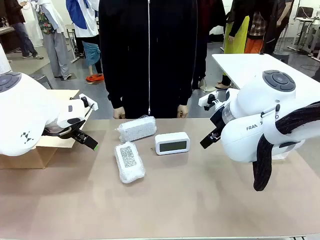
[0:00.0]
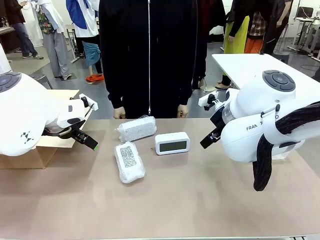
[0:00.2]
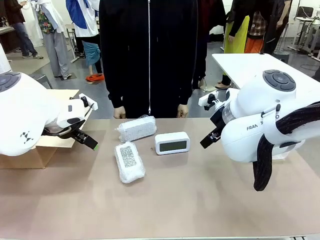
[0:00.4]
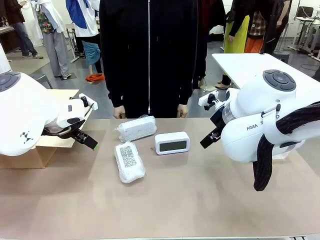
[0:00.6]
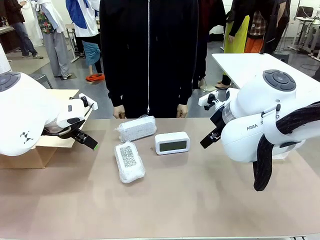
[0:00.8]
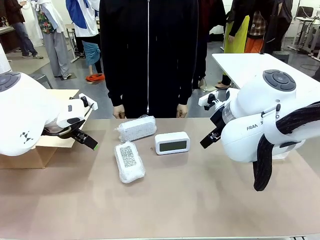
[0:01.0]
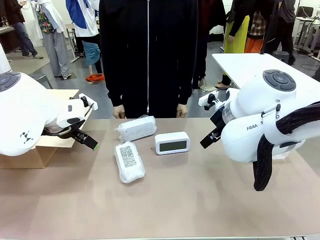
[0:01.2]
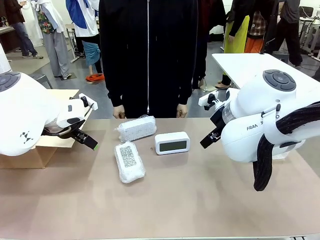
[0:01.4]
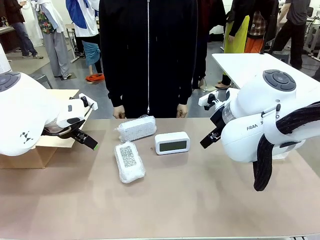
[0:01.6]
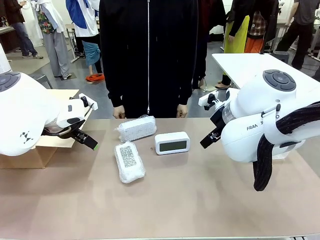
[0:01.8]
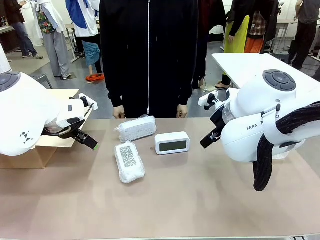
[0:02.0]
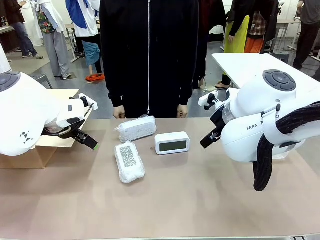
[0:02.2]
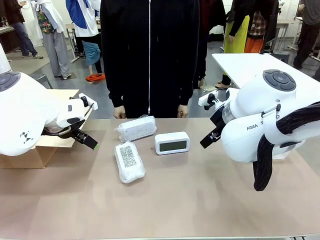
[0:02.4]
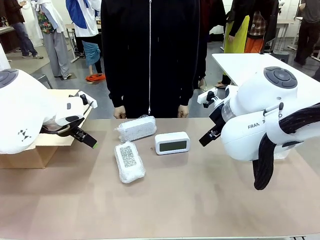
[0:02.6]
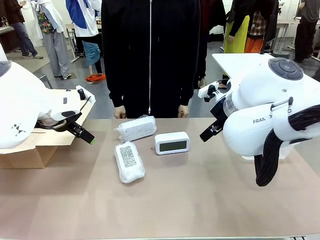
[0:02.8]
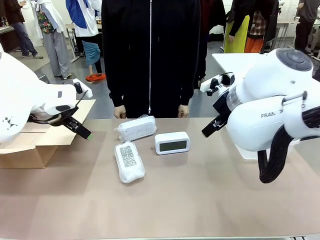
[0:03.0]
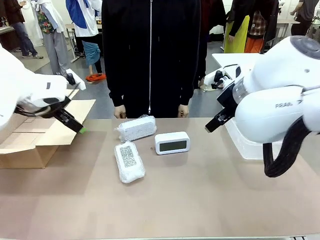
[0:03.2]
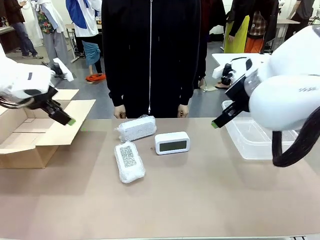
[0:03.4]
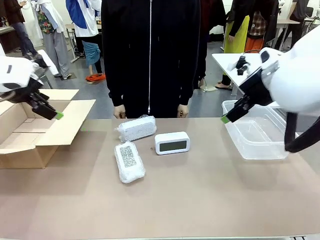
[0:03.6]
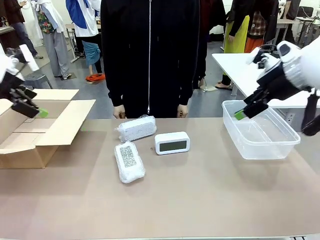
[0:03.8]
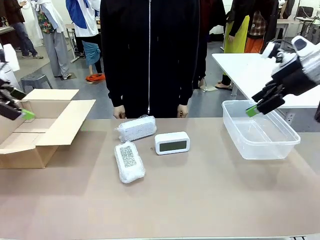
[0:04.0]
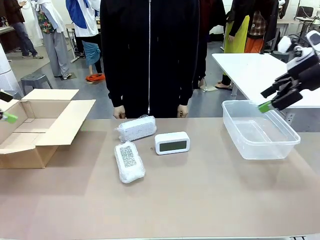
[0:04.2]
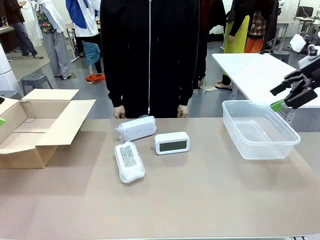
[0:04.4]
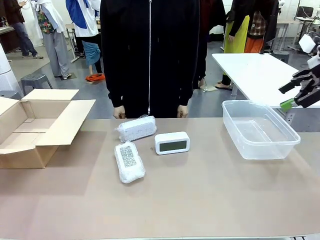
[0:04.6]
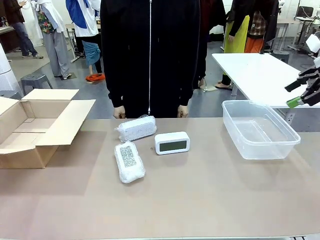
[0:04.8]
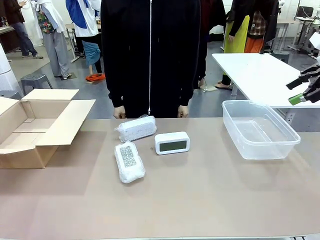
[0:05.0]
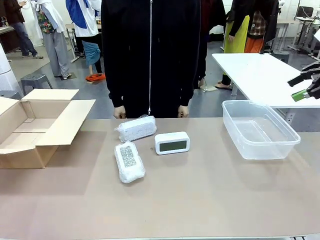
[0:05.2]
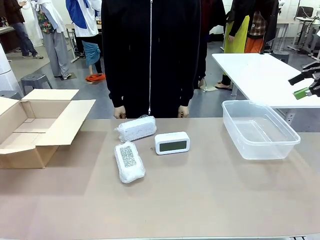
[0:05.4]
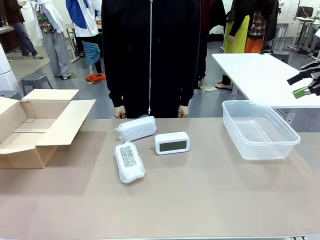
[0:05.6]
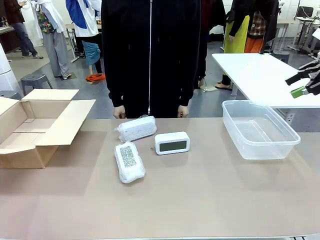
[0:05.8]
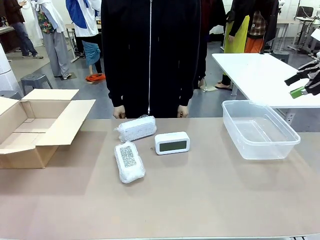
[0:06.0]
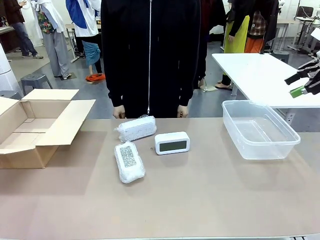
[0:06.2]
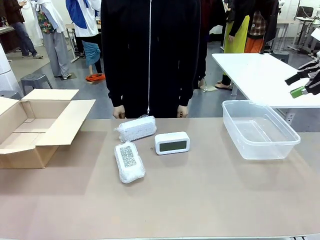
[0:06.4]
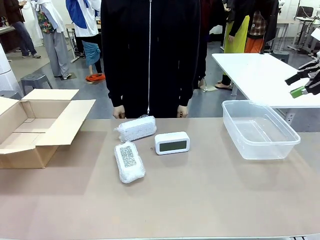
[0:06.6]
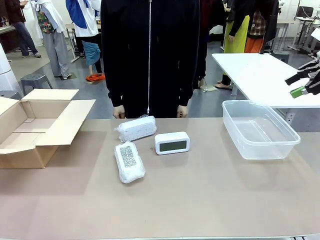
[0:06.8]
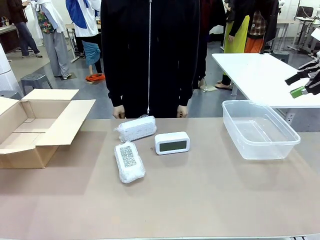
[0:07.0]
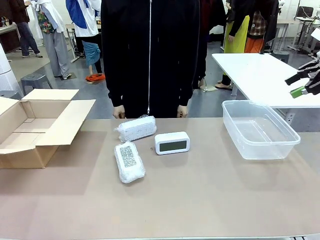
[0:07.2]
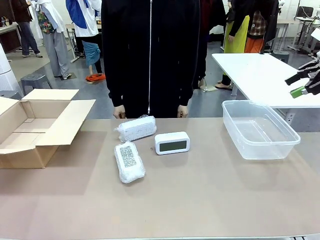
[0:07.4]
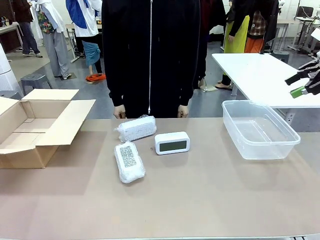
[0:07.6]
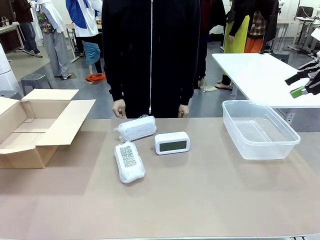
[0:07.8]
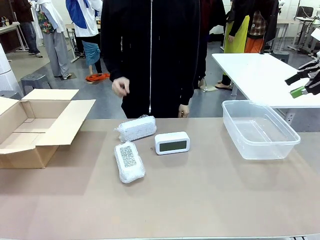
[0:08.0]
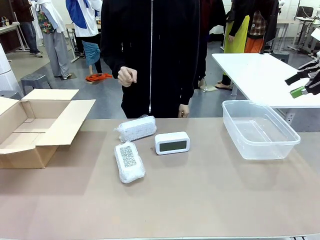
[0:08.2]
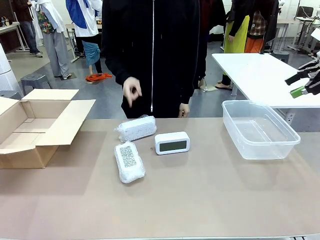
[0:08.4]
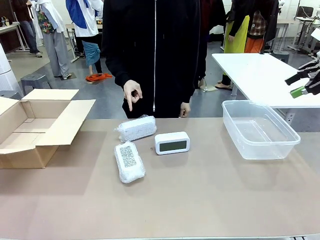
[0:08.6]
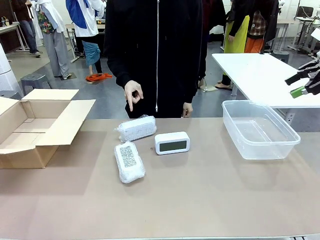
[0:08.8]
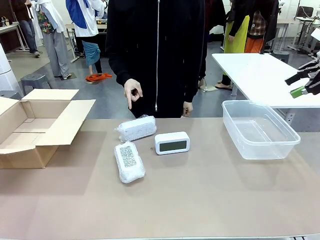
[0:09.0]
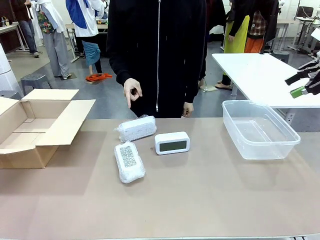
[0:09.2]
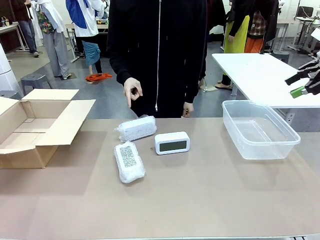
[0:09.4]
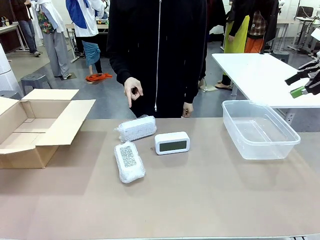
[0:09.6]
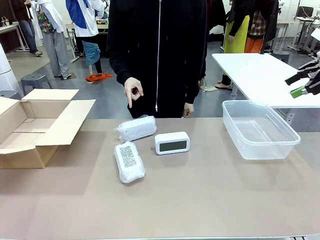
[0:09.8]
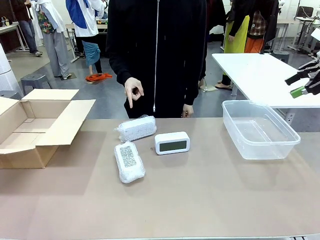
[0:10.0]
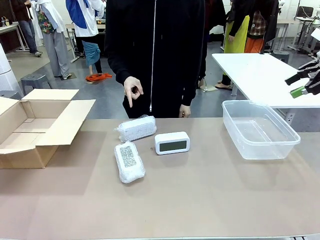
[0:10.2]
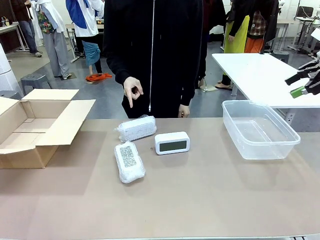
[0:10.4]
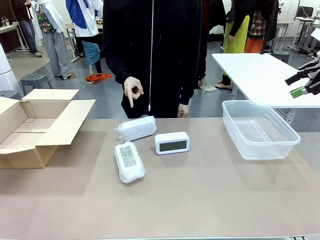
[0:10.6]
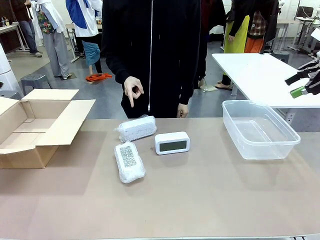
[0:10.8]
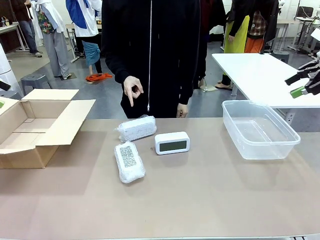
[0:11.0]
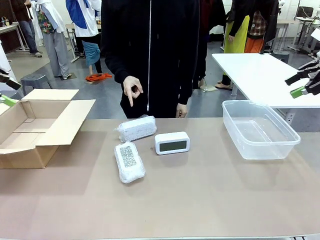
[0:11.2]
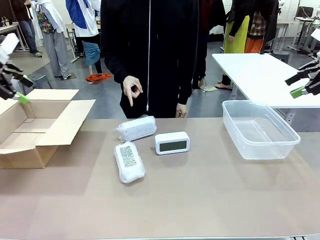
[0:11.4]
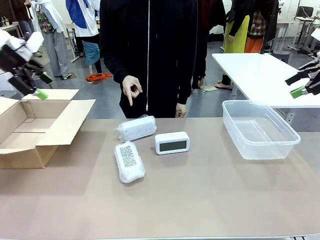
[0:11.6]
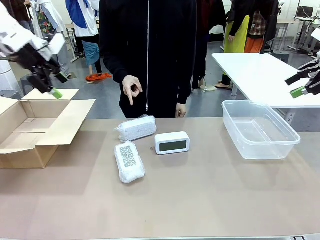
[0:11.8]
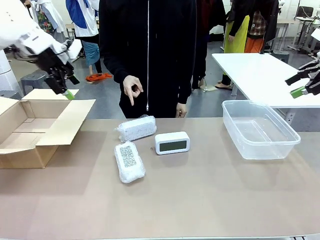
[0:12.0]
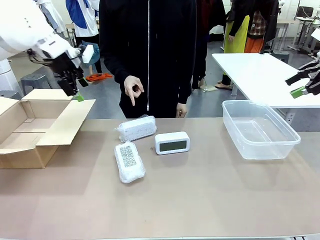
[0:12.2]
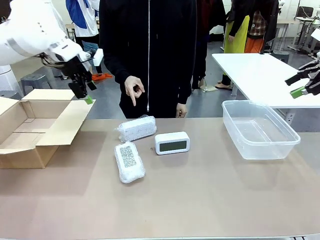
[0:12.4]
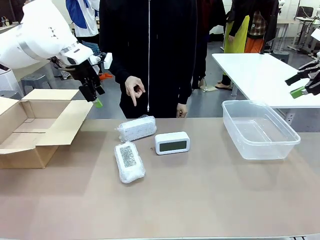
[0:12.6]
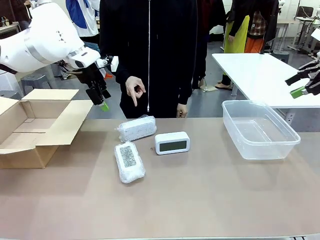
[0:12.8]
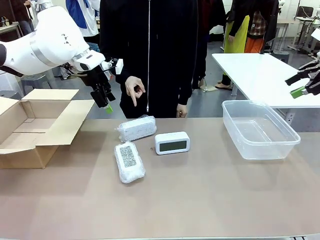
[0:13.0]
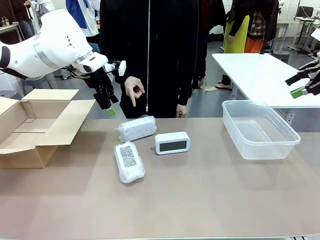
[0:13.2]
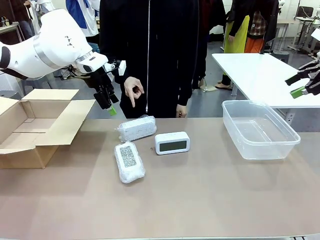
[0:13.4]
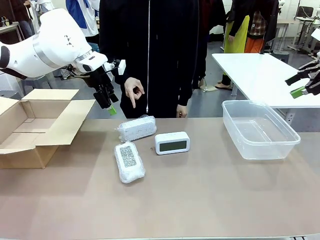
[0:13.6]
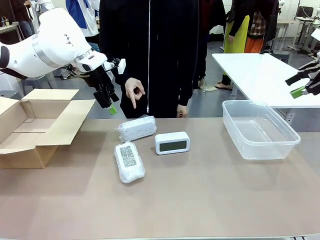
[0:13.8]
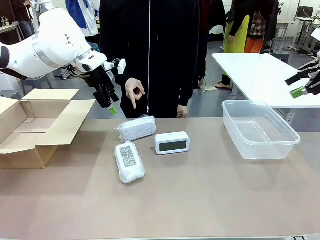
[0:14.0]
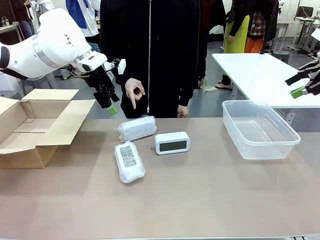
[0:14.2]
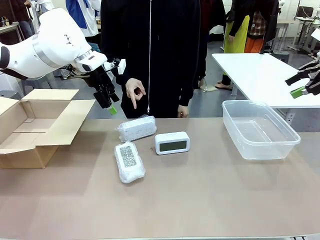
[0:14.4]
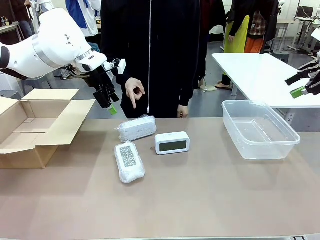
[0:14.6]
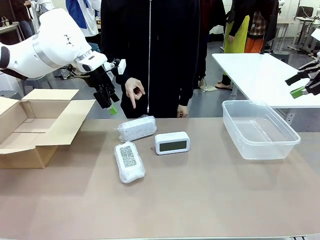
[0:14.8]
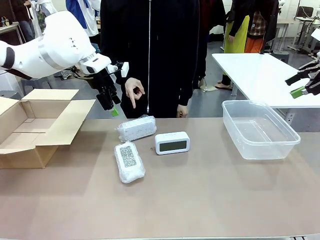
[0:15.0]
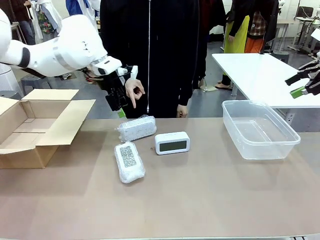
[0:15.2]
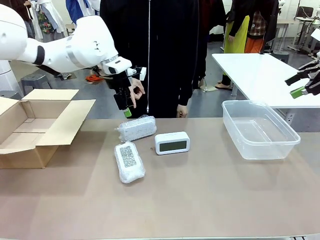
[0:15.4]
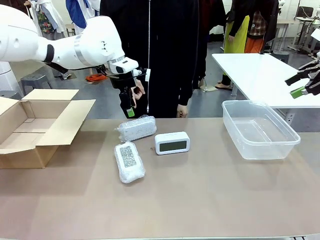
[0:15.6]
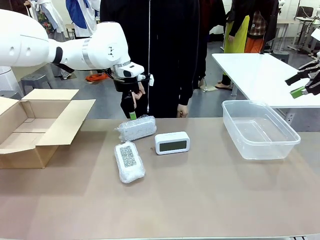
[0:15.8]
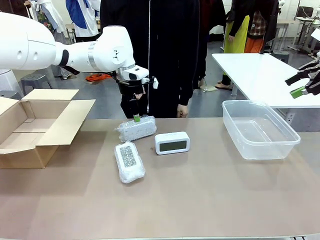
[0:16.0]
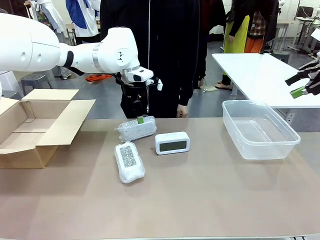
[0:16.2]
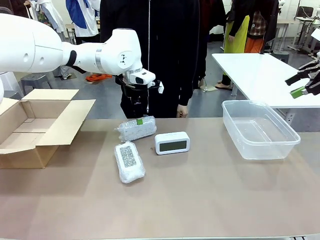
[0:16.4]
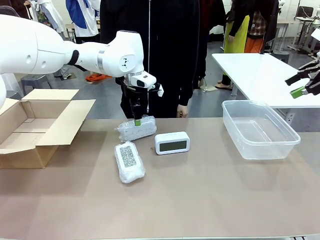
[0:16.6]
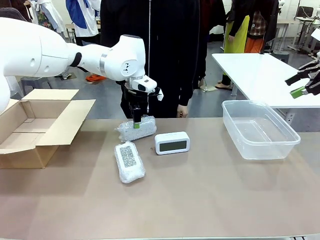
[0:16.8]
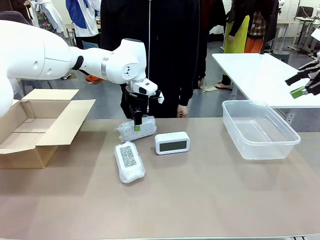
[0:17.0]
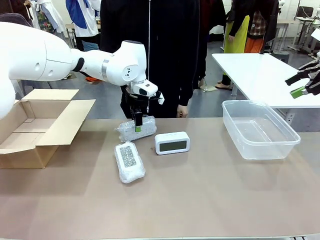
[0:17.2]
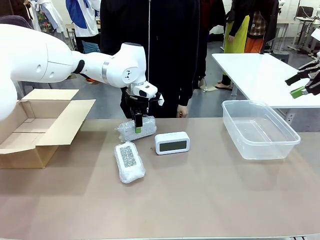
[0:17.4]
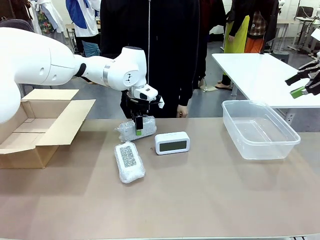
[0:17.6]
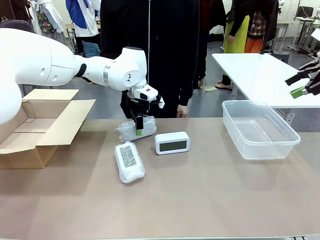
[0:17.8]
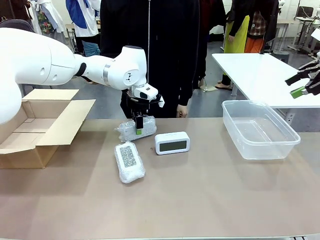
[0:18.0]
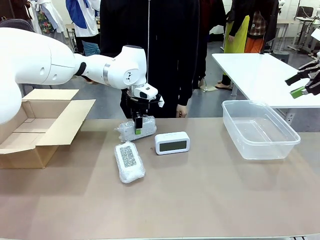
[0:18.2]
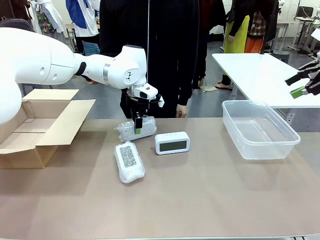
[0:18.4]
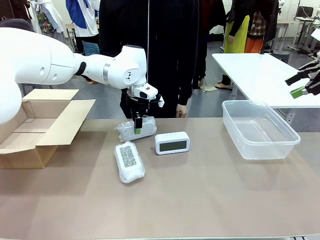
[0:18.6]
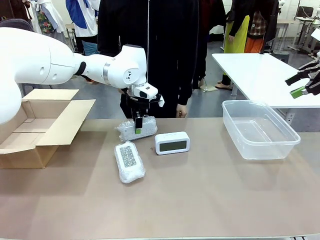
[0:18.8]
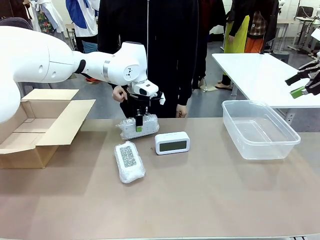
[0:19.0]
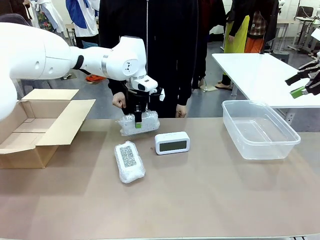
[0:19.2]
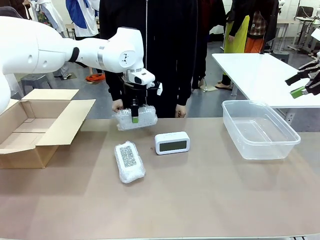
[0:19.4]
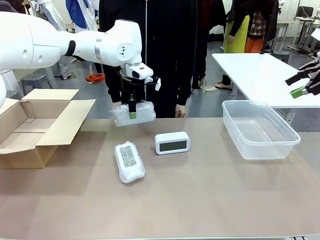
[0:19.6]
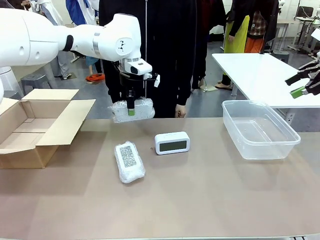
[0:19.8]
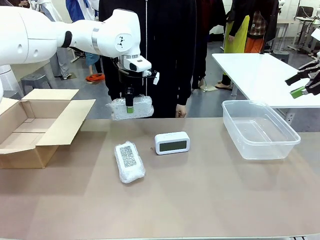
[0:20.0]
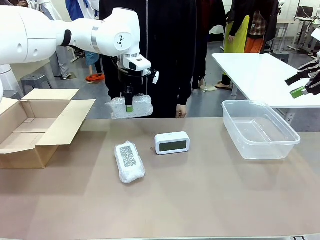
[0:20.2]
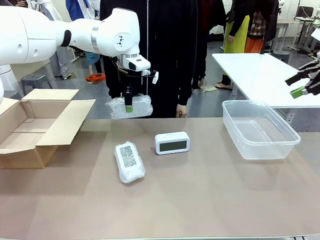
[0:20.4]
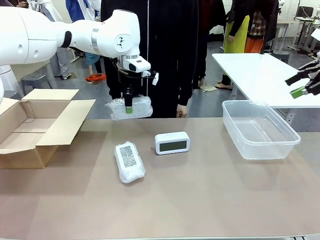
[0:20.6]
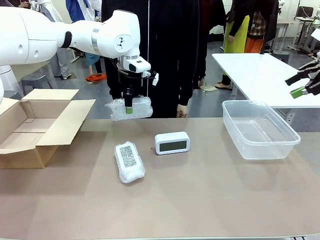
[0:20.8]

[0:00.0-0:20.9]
Task: Separate and place wrapped and unwrapped clocks.
Robot: Pick up the Digital clock indicated by the person.
